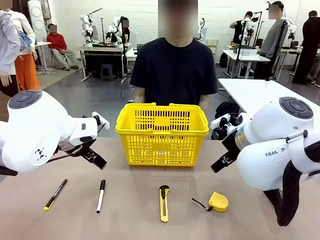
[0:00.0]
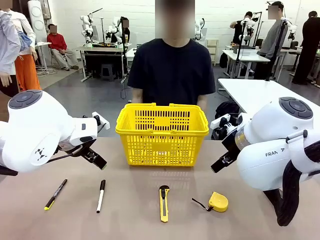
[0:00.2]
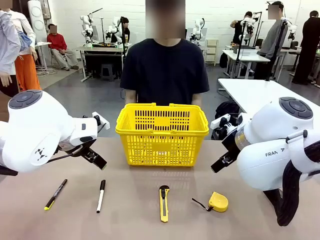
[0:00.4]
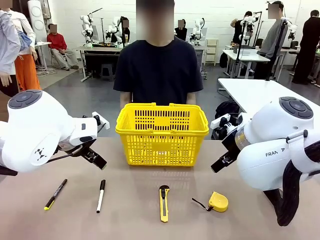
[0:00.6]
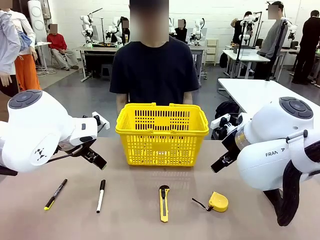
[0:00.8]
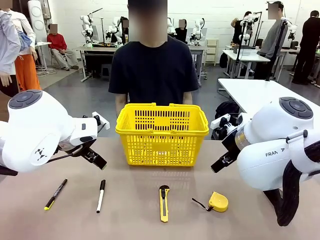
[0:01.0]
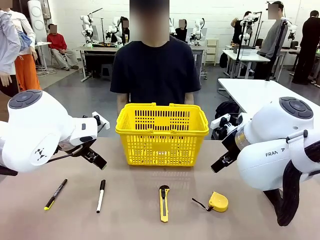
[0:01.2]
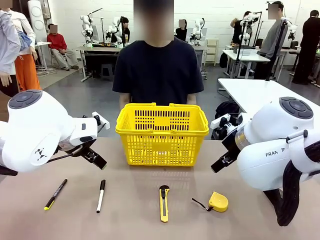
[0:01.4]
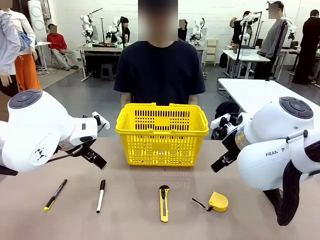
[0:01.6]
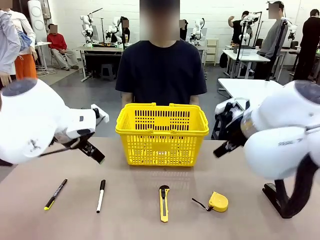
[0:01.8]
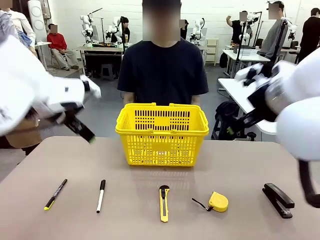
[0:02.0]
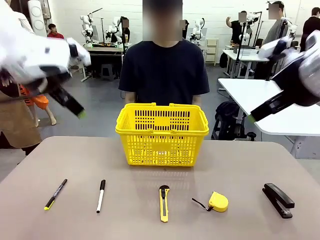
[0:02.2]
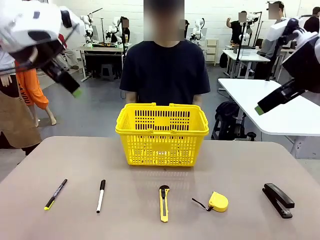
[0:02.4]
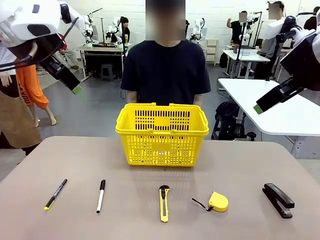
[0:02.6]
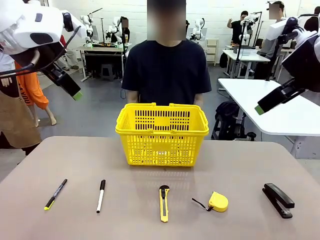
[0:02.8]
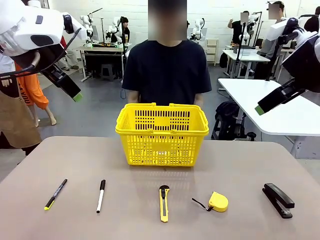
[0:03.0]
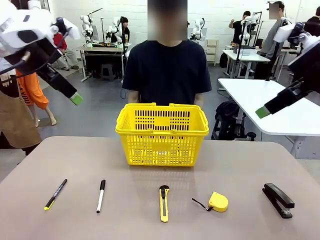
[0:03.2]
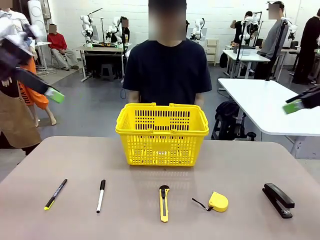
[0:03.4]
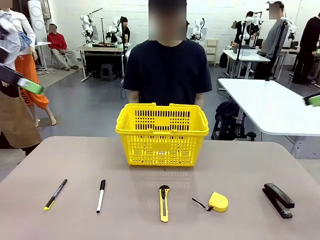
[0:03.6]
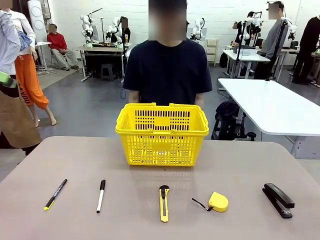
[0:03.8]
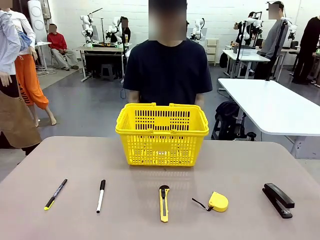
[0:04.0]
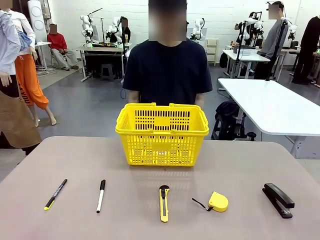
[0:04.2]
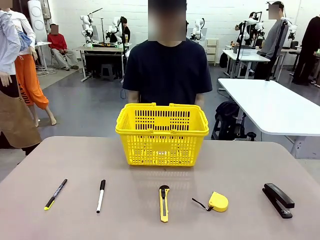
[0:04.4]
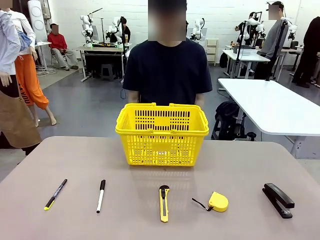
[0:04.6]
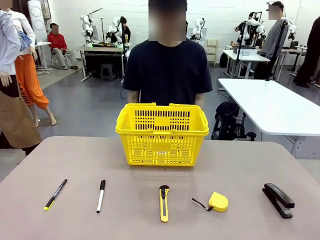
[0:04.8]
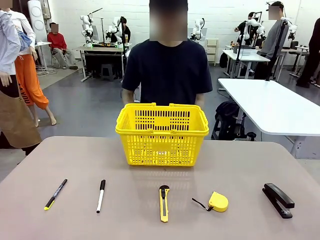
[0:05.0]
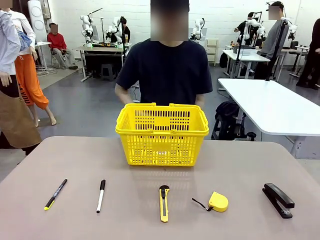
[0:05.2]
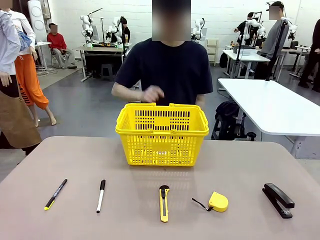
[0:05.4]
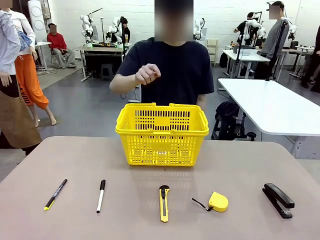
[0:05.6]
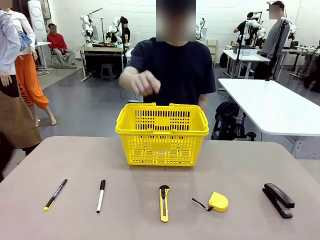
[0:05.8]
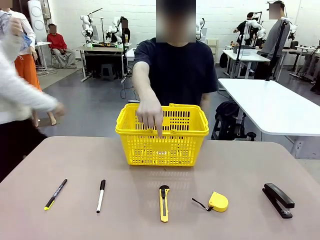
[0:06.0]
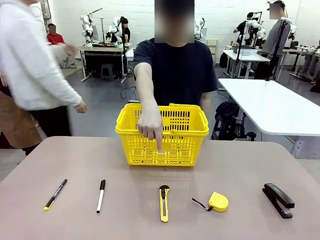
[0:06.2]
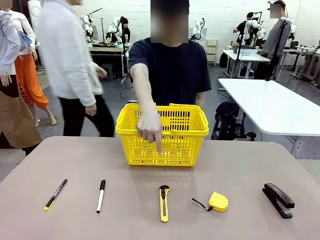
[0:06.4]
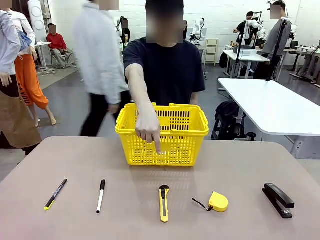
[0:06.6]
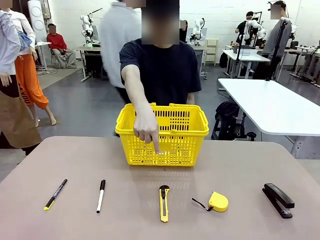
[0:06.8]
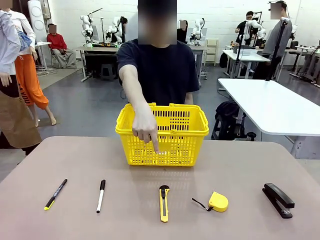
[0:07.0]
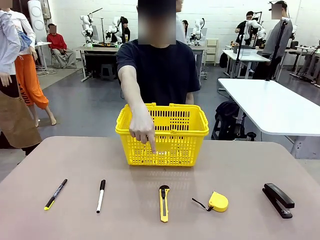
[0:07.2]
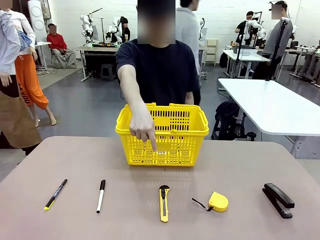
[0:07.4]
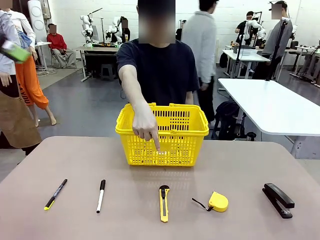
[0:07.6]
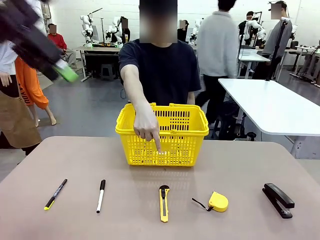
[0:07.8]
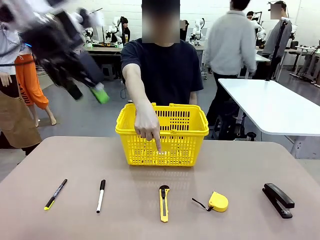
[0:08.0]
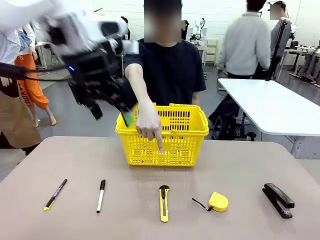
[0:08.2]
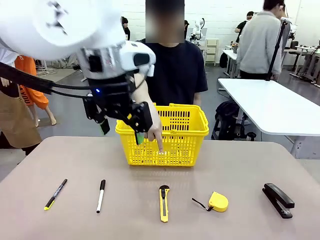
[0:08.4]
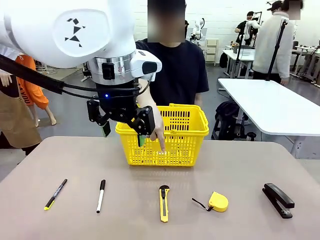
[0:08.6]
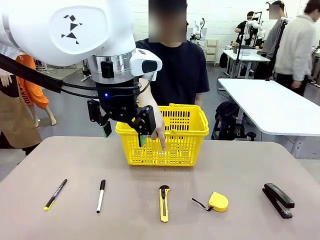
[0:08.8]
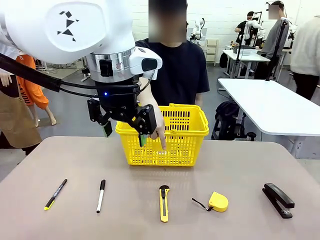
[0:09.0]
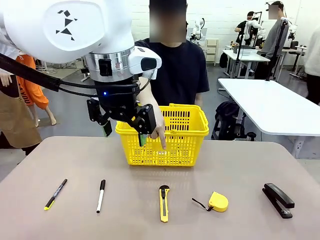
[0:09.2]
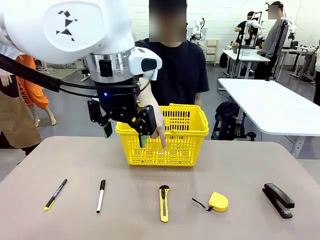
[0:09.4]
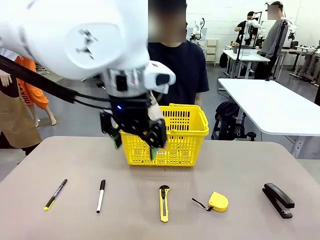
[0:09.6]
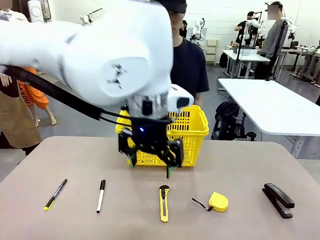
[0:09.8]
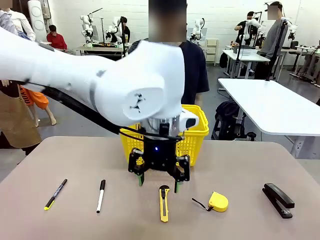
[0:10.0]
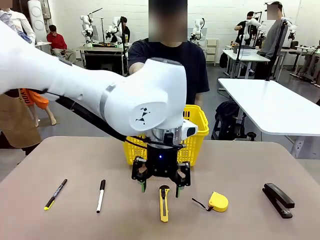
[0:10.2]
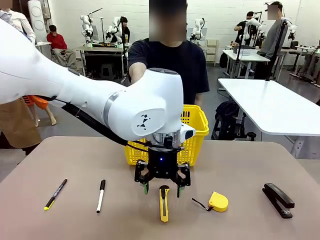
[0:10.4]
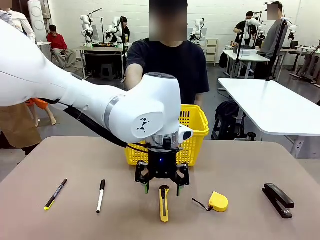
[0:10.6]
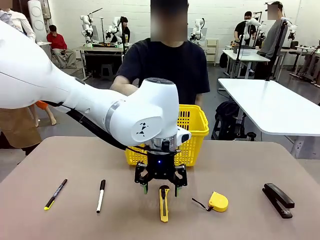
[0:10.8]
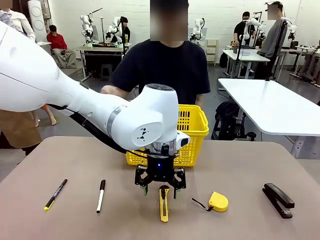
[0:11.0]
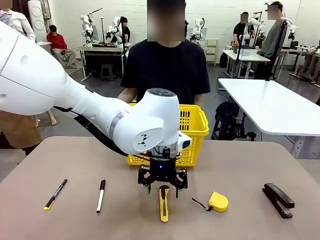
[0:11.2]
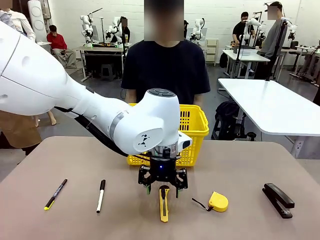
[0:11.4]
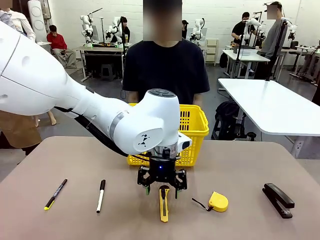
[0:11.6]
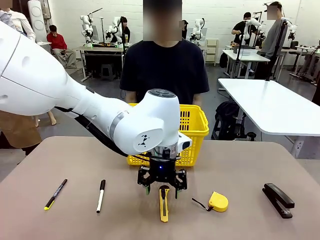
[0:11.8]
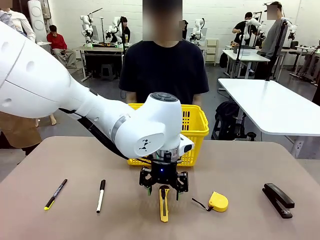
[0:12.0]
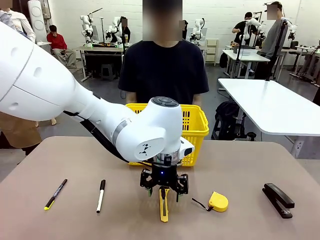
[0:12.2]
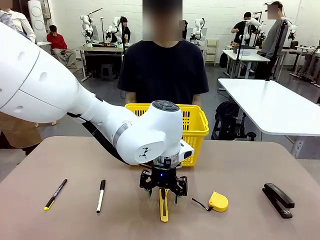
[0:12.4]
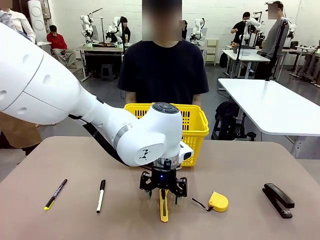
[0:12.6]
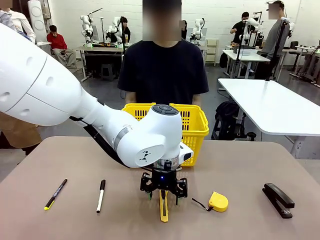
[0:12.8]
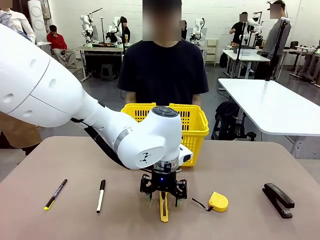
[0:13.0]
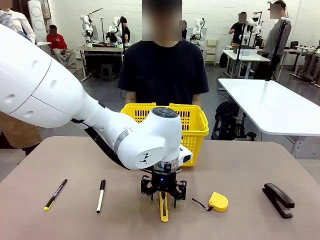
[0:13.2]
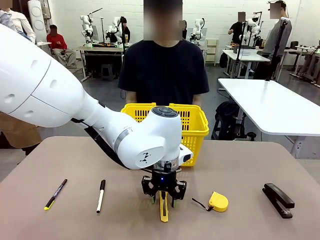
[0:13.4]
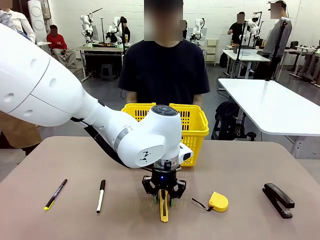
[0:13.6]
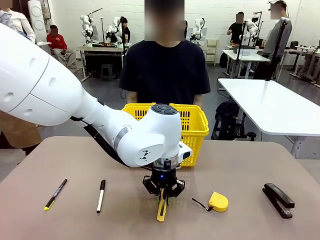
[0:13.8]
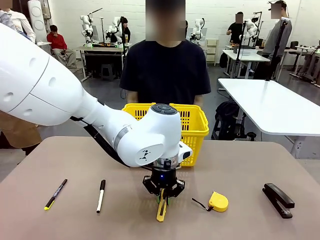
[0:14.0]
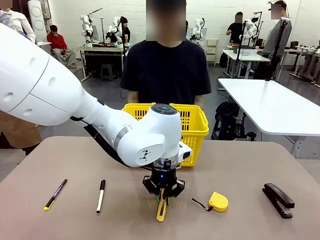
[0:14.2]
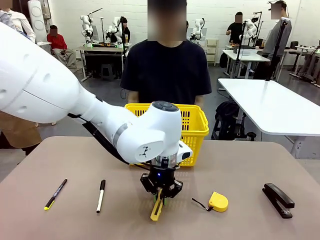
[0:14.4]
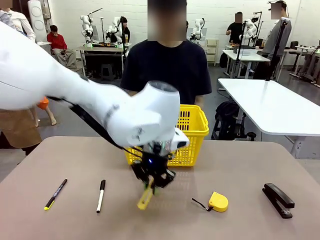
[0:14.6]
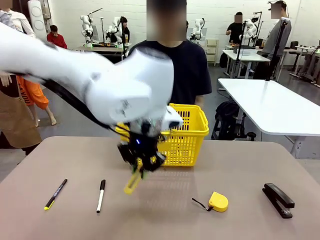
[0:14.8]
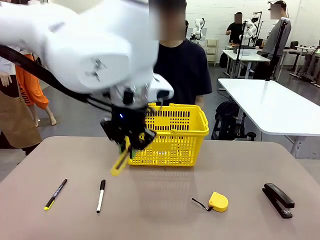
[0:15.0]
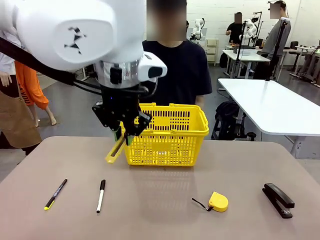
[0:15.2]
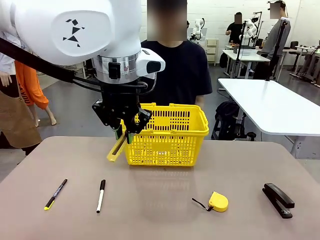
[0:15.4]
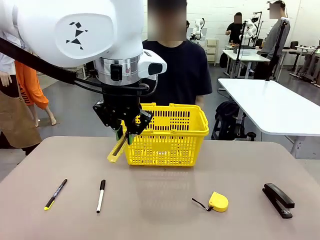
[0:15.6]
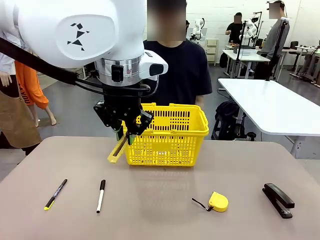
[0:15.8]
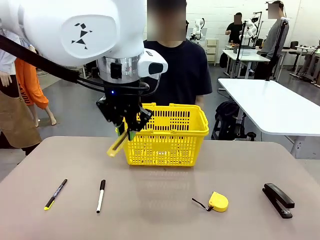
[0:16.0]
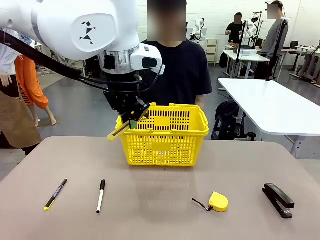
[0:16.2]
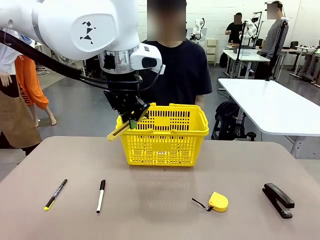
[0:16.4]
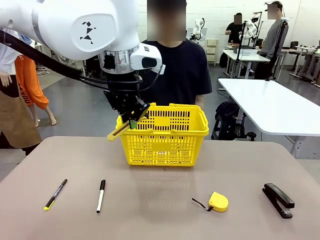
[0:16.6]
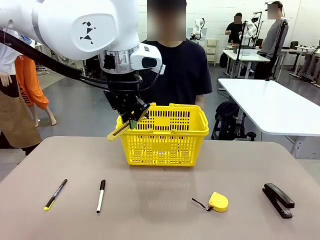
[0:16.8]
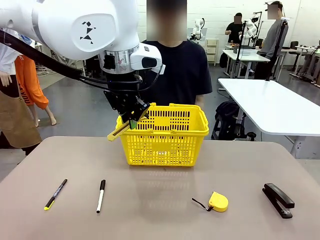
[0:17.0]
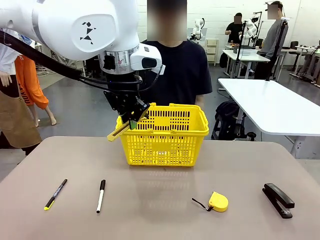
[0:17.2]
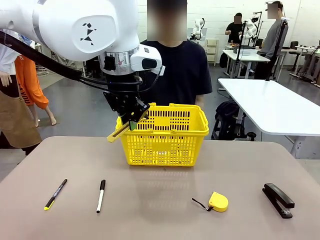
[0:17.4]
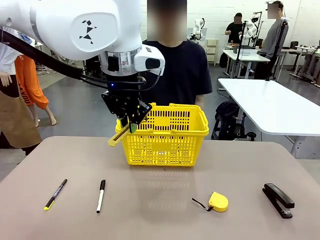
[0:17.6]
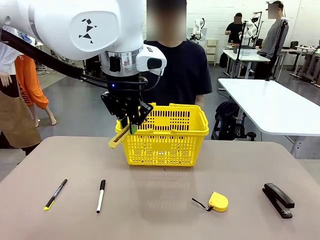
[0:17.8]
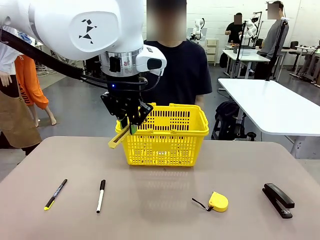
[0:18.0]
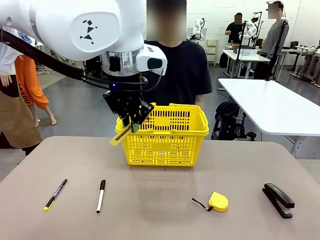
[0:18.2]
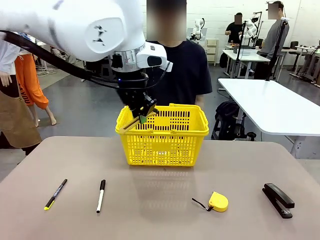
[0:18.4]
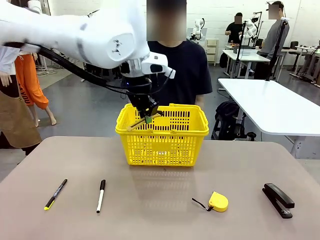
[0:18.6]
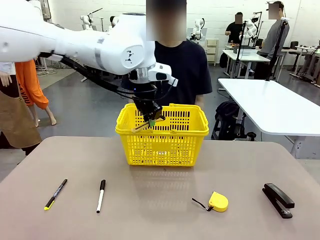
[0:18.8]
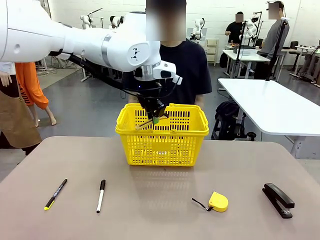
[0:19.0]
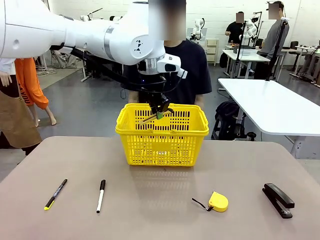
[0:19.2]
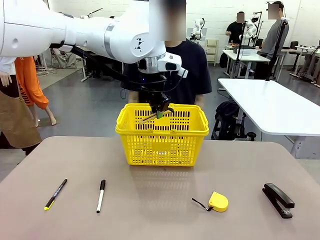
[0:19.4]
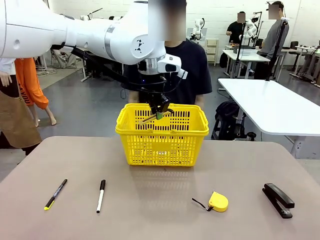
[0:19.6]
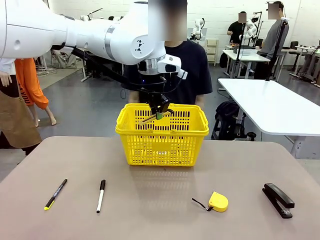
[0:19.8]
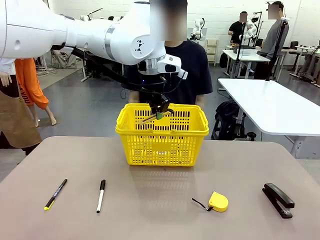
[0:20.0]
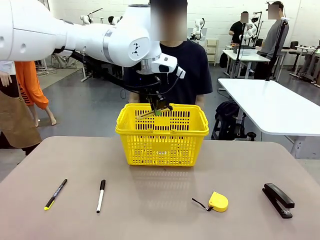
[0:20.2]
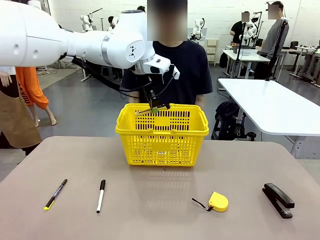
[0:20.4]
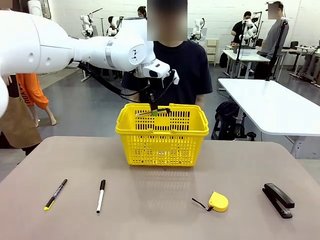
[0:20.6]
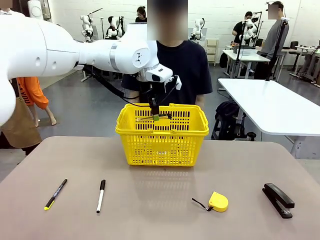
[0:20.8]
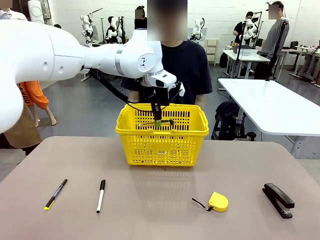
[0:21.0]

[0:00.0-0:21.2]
Task: Place the items the person wants into the basket.
Robot: Pick up the item the person points to and place it in the Market Basket.
